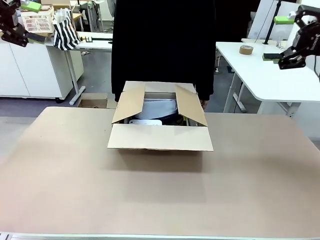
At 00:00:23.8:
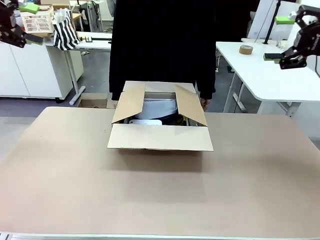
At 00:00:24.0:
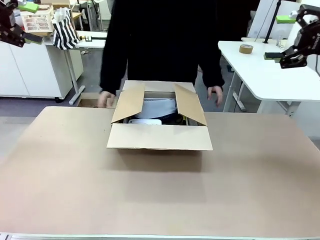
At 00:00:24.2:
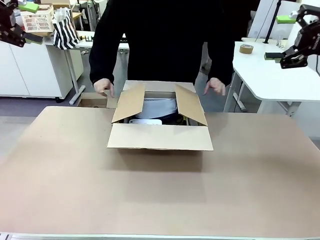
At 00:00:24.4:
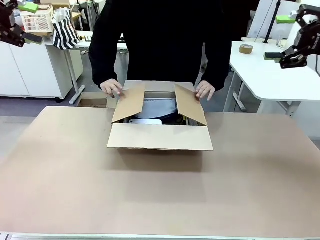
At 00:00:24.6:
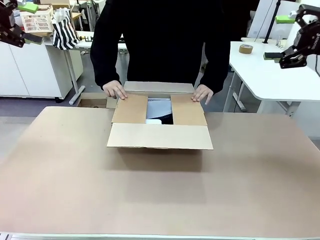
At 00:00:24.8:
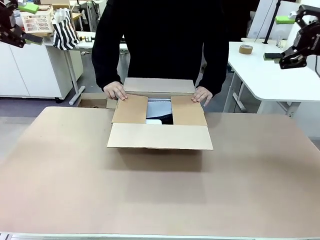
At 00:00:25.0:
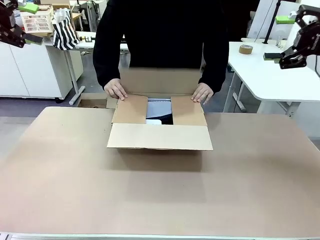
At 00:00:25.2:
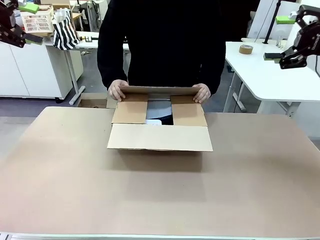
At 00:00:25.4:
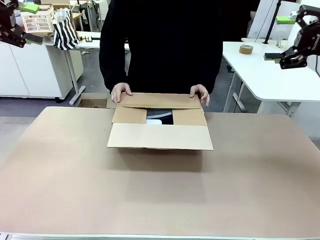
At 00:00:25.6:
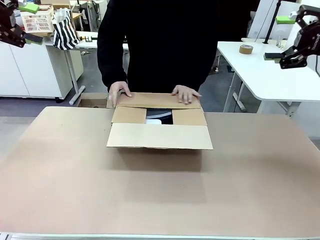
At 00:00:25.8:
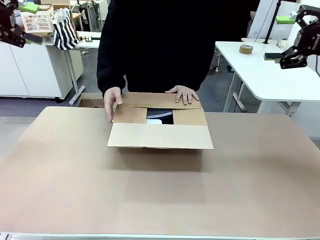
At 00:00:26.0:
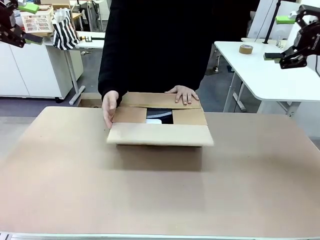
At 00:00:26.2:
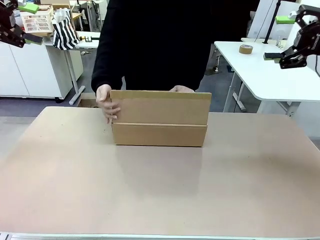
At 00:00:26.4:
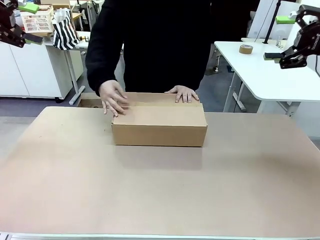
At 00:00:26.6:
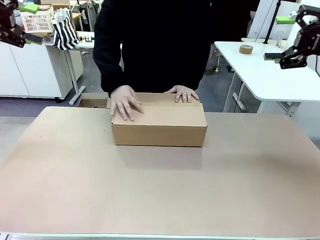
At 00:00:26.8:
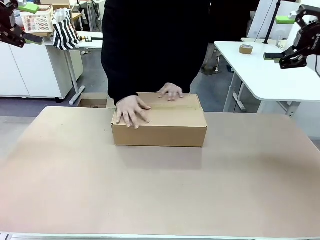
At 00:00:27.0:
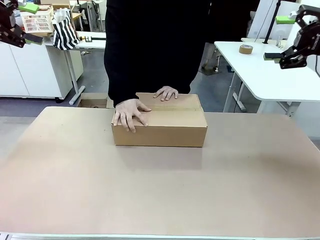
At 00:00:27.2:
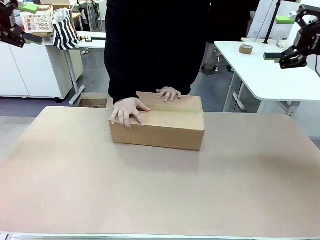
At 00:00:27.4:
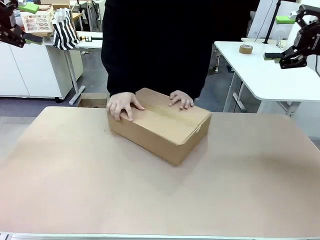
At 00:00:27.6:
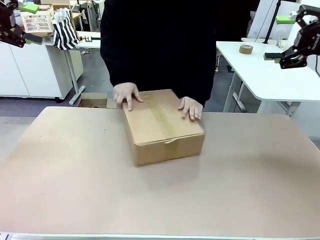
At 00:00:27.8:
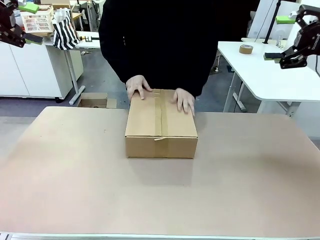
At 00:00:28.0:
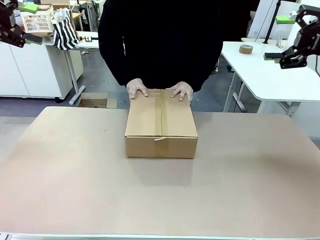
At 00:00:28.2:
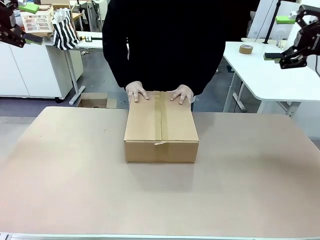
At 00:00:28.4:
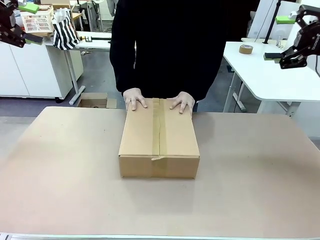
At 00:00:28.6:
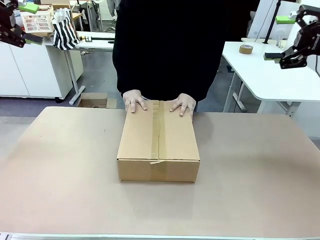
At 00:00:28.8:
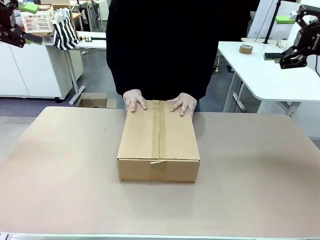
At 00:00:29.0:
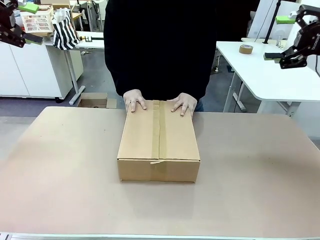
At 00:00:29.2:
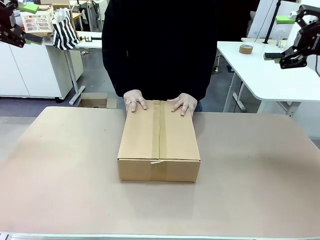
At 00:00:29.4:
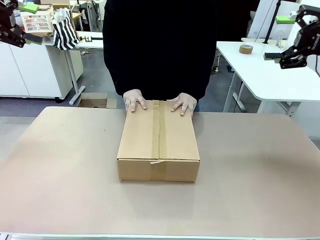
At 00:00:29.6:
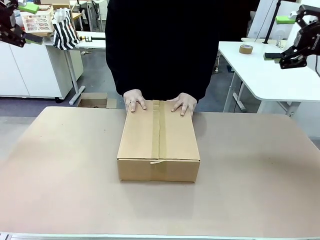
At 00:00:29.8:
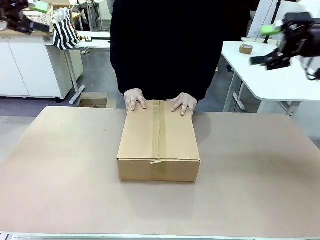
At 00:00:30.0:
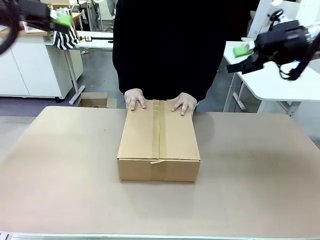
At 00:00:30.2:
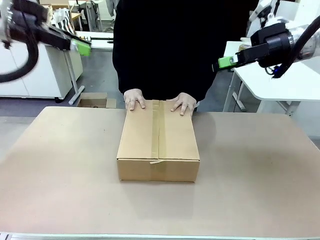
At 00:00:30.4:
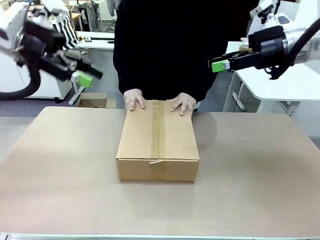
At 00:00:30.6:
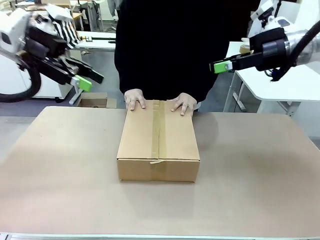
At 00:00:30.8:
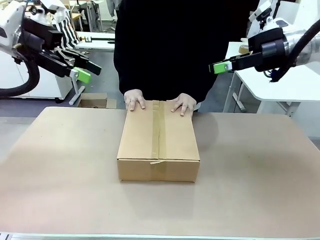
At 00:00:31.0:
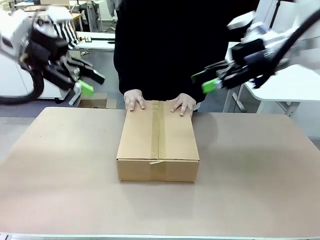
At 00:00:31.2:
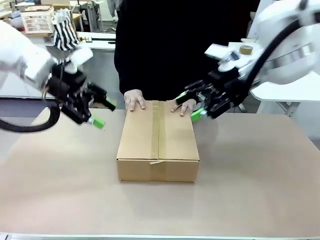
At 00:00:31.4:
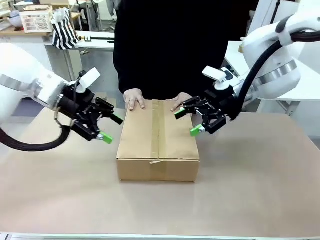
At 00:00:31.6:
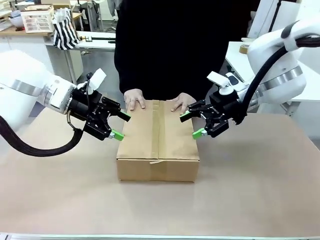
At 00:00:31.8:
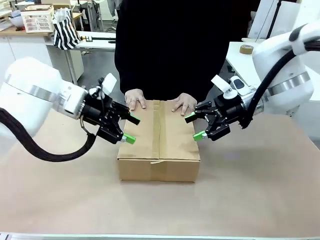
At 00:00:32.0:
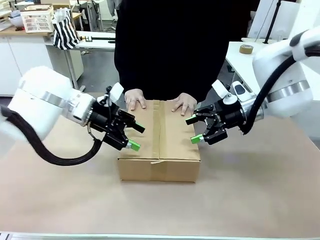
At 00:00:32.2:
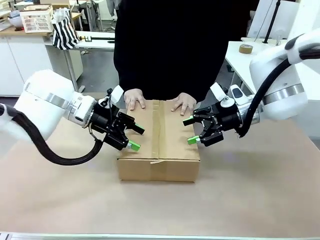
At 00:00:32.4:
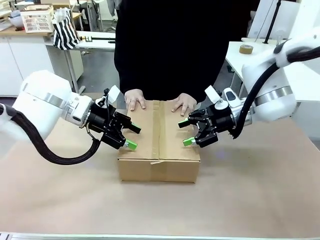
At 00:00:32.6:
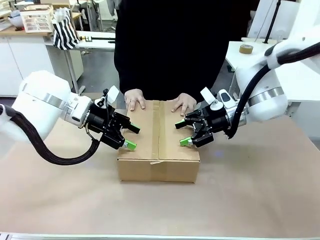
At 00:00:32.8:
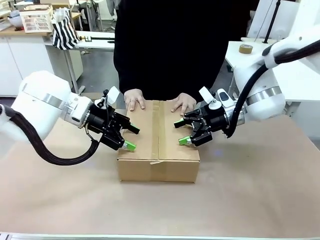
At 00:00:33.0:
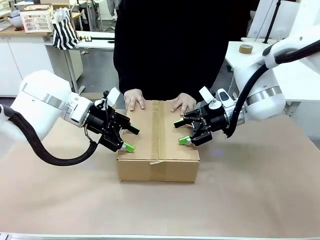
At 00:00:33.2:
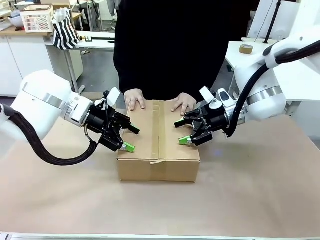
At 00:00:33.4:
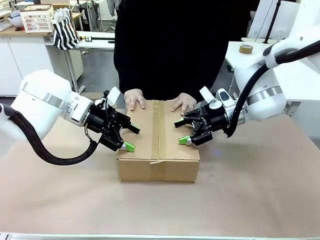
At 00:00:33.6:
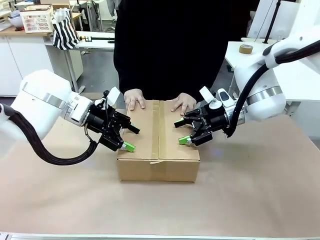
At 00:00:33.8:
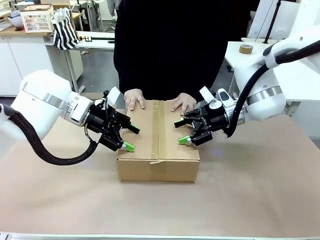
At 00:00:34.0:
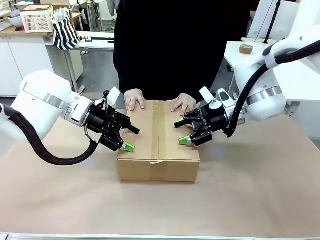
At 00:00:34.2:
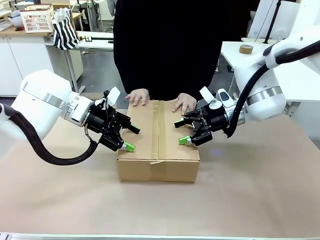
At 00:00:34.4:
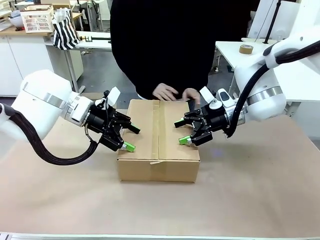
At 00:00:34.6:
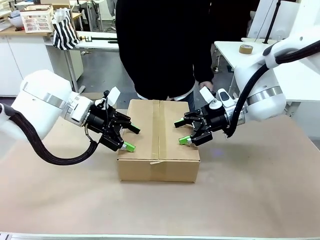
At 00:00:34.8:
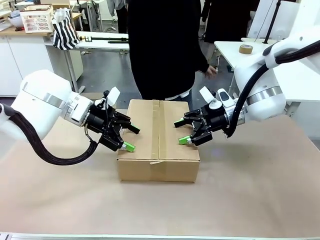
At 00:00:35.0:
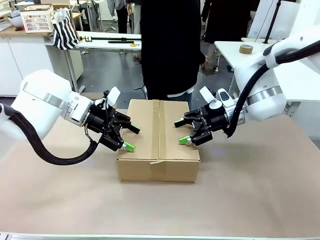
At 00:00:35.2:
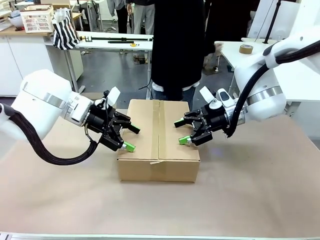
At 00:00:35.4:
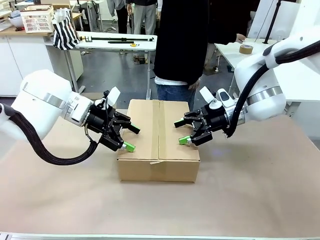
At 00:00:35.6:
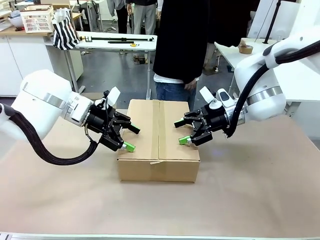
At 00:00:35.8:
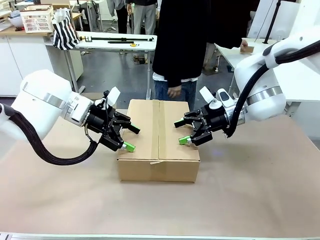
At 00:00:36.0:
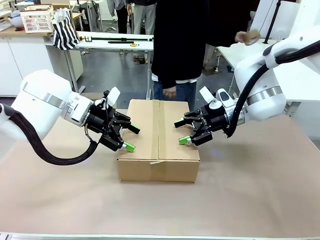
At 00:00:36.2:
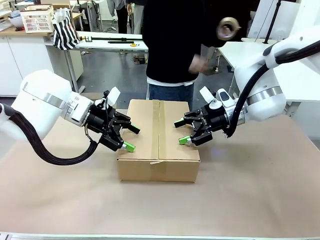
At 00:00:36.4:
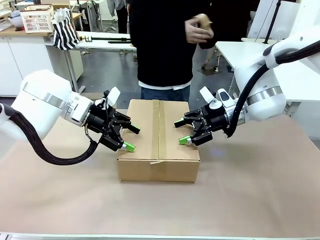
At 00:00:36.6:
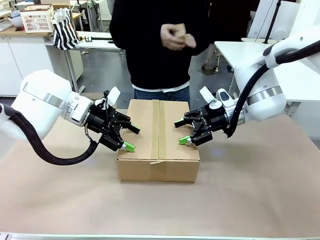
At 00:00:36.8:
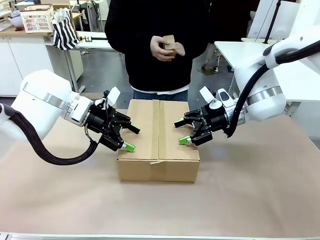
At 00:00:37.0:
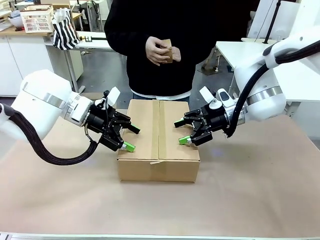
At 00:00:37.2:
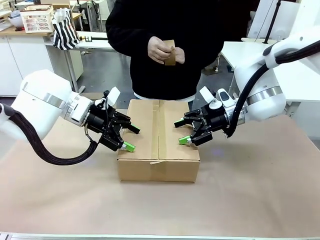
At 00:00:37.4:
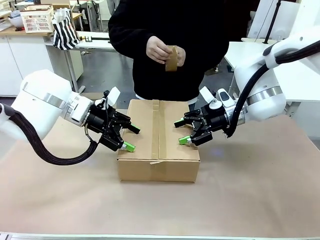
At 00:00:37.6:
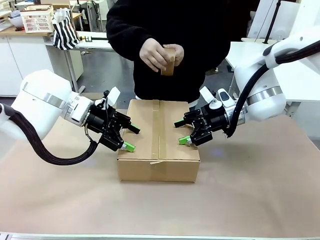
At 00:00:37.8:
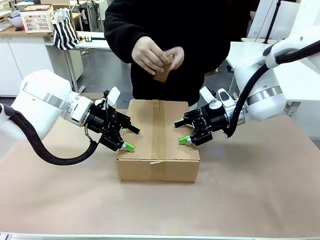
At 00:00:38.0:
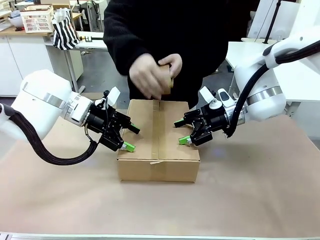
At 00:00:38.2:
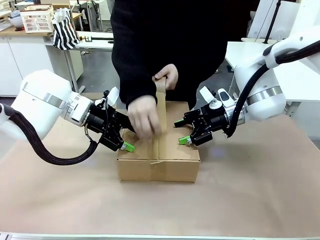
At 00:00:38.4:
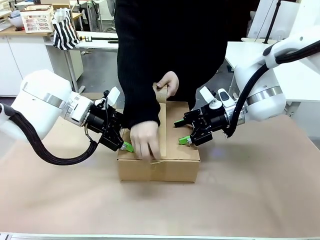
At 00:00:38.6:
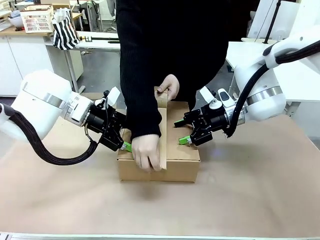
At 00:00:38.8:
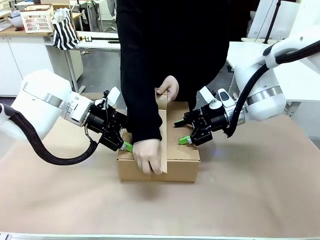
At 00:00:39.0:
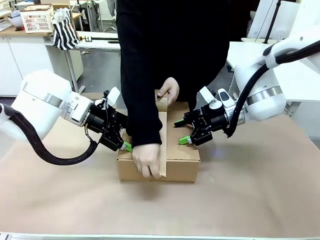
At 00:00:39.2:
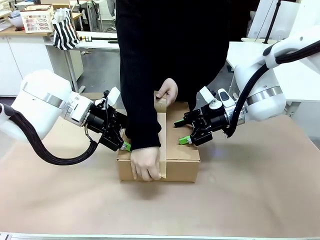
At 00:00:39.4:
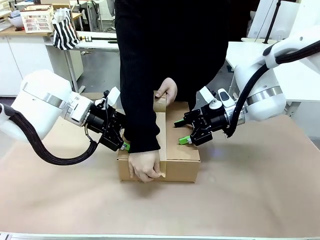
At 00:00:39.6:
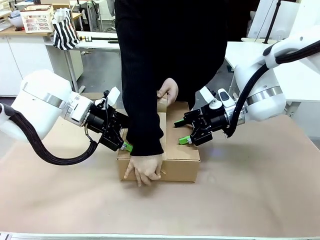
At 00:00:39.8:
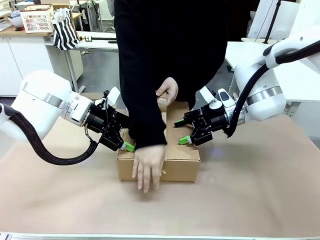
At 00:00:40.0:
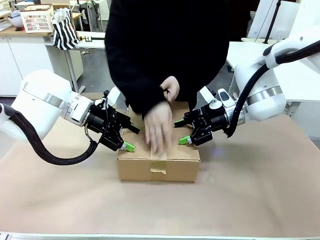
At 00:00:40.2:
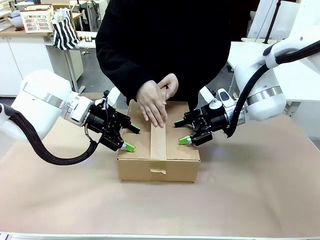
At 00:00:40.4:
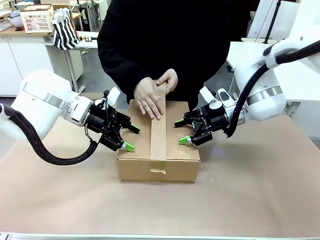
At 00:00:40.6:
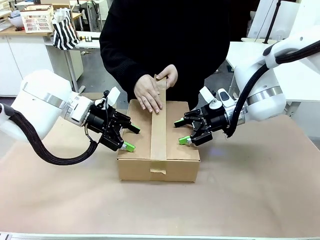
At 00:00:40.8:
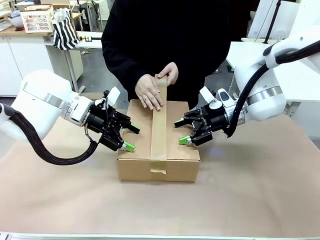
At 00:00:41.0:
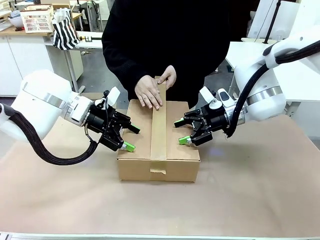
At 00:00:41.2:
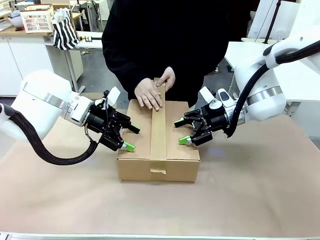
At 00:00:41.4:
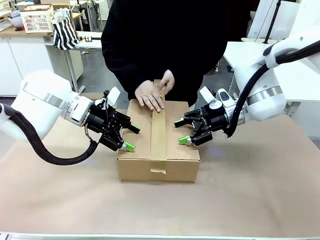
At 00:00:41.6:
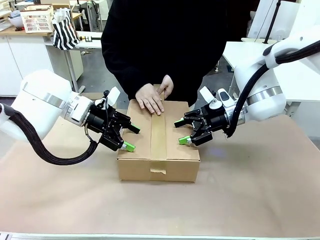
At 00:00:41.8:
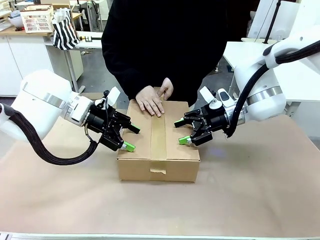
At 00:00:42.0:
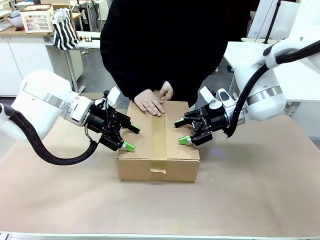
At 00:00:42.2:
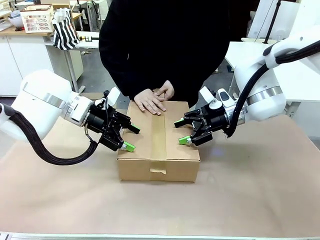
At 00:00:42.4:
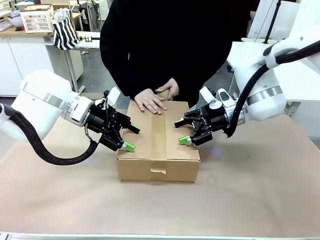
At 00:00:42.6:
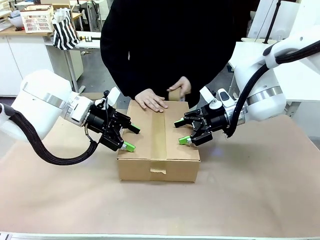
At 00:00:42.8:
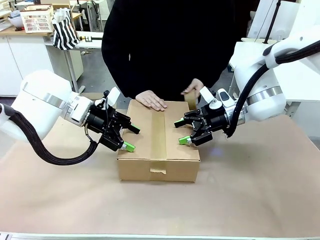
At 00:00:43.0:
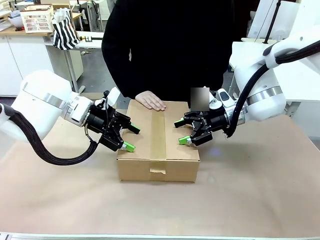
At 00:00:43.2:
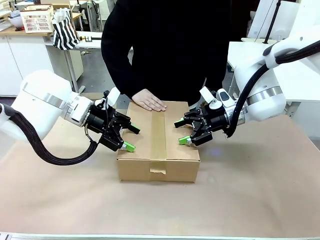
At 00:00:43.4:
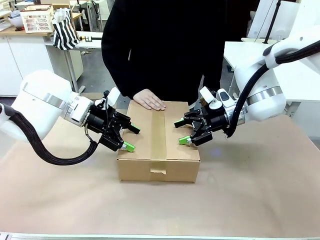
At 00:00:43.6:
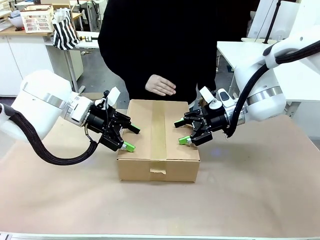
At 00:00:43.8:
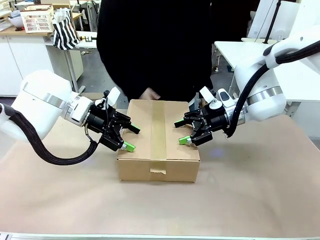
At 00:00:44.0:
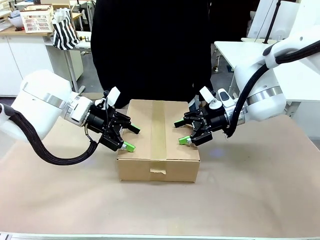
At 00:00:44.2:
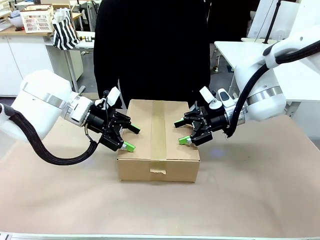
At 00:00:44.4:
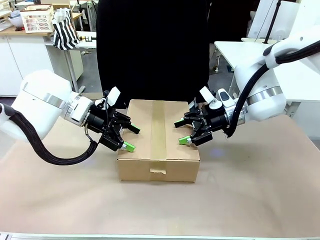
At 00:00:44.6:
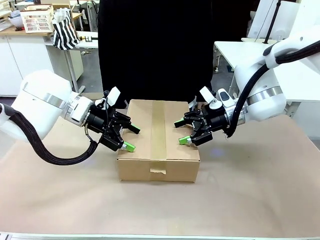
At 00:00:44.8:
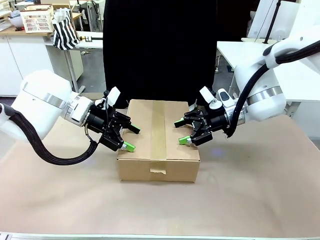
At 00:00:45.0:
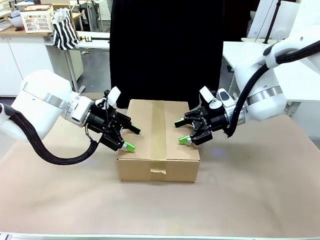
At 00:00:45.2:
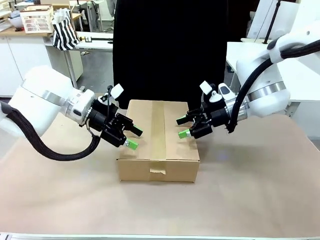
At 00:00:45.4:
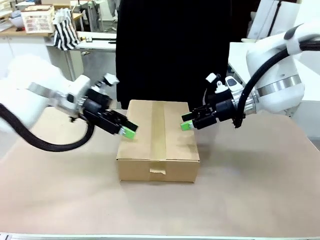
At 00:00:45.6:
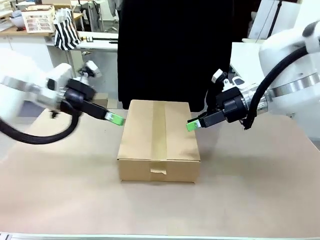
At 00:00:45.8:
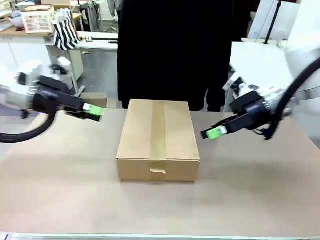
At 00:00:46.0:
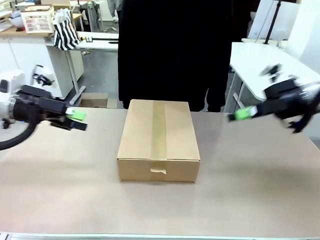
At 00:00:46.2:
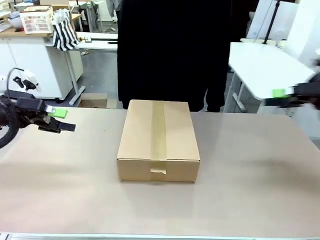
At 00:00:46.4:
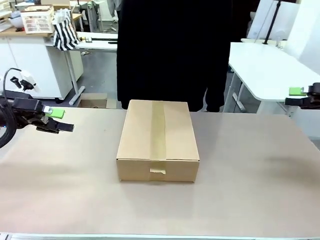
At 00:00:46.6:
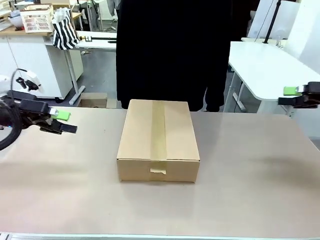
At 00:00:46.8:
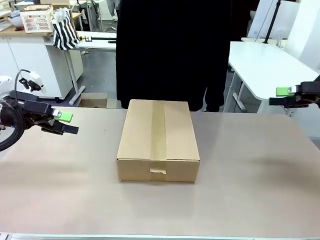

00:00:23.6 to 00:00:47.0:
Task: Pack the gift set into the box.
Robot: Press and hold the closed box until the human finishes sealing it.
Person: The human closes the box and rotates the box by 90 degrees. The human picks up the paper tape from the human table and packs the box.
